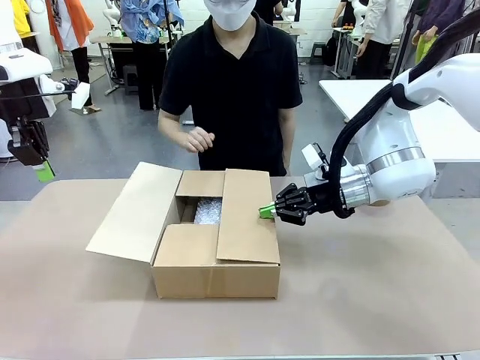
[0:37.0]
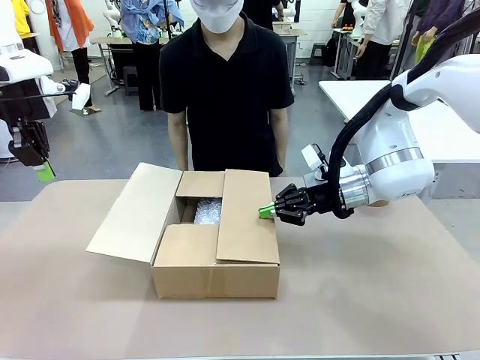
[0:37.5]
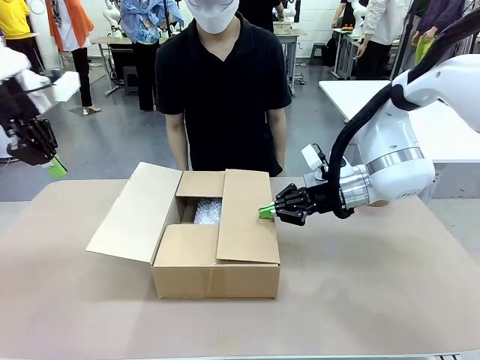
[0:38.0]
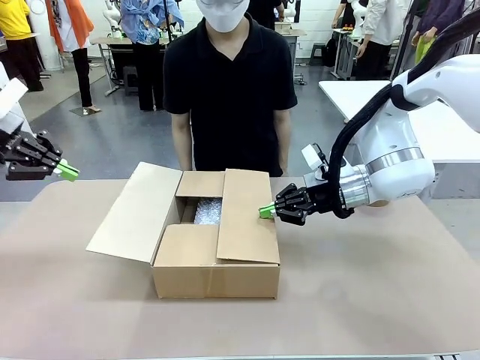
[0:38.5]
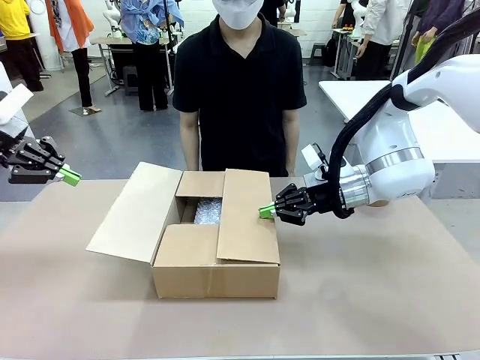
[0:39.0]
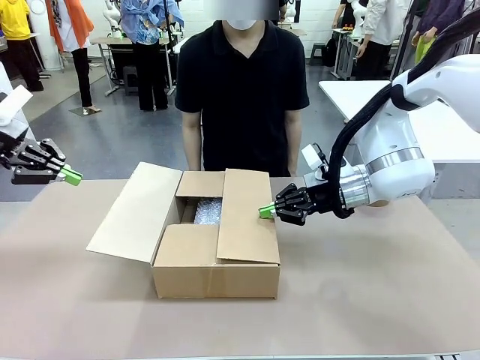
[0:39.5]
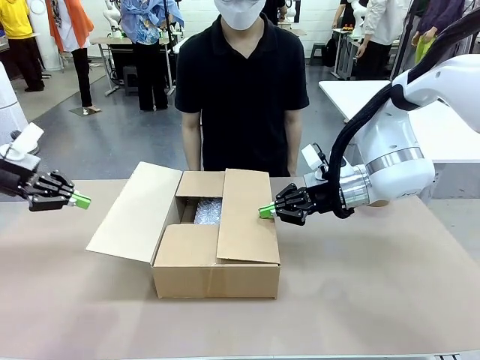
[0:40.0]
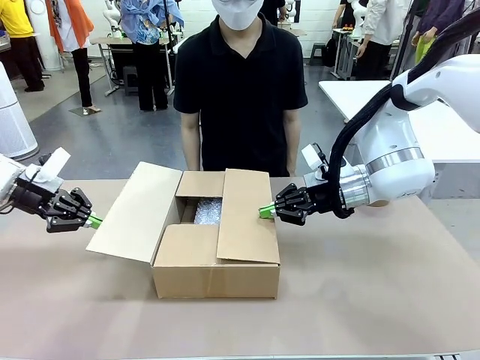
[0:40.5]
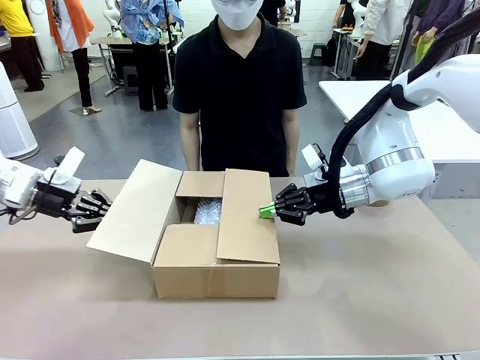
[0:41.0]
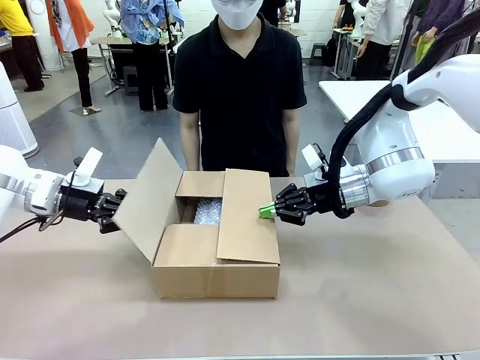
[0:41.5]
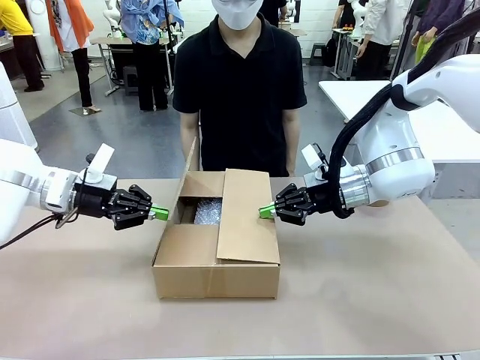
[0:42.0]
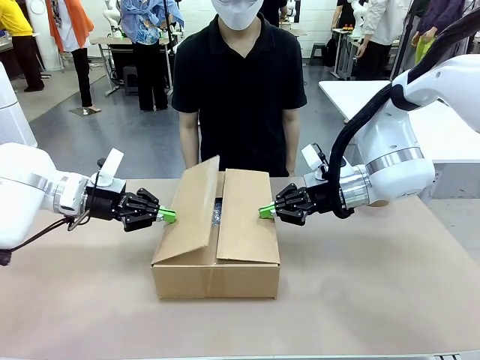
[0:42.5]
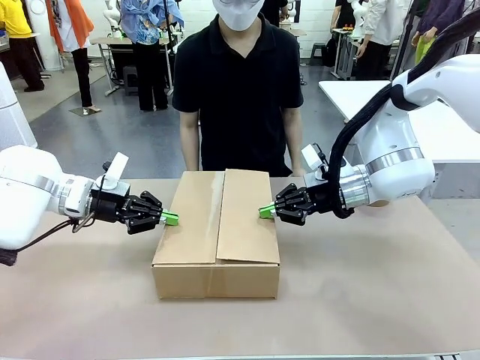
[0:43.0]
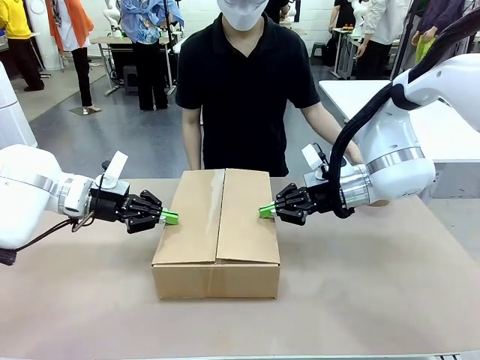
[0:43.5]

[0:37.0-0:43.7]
Task: Wrap the clocks to prevent damage.
Robot: Push the left (or right) flap of the Package Box to close it.

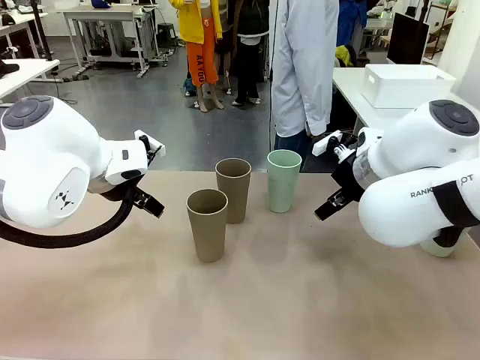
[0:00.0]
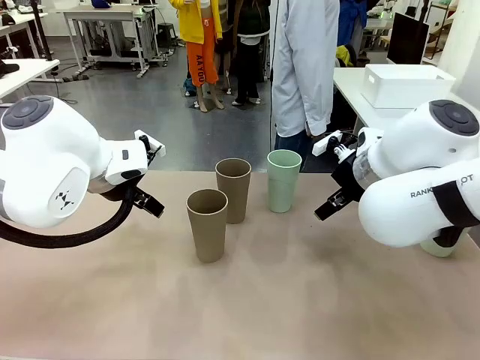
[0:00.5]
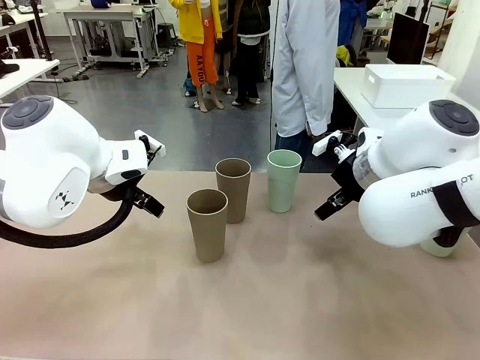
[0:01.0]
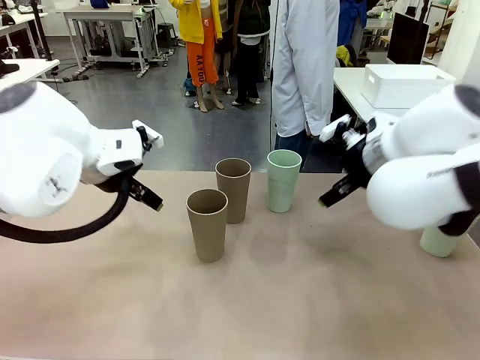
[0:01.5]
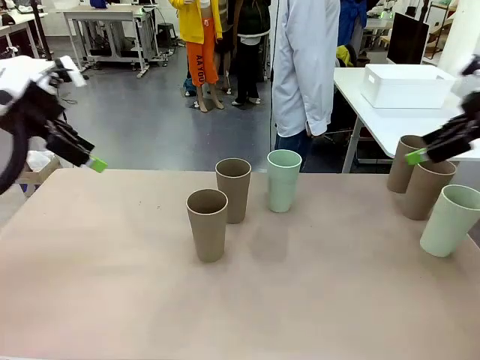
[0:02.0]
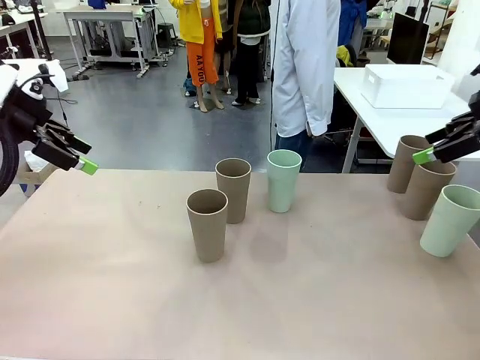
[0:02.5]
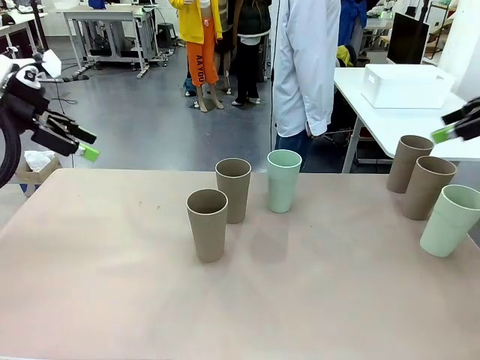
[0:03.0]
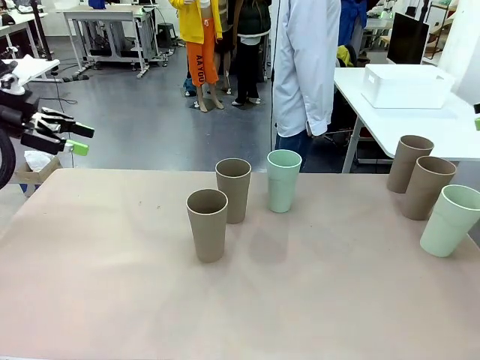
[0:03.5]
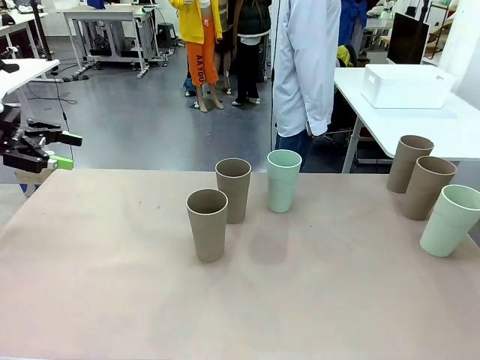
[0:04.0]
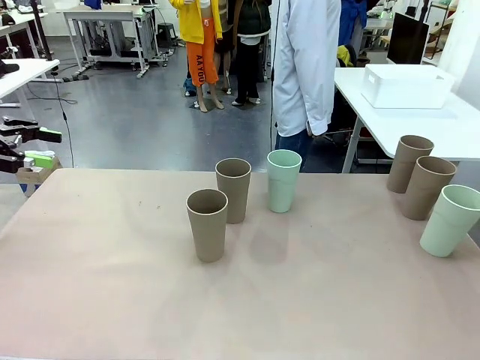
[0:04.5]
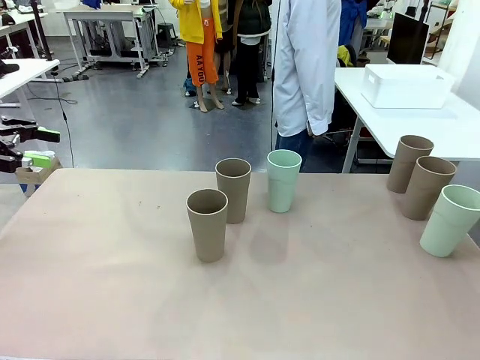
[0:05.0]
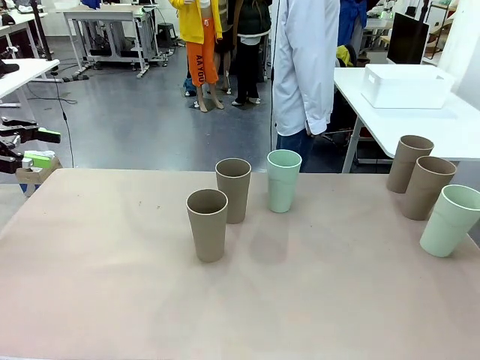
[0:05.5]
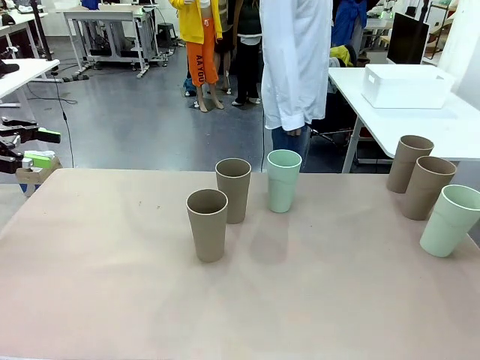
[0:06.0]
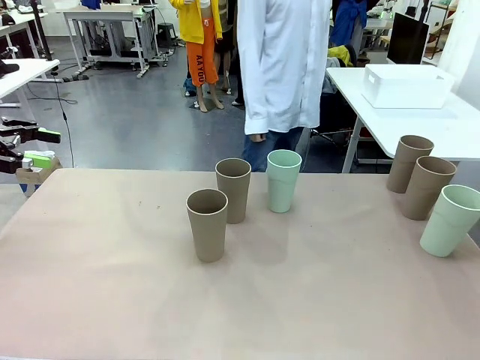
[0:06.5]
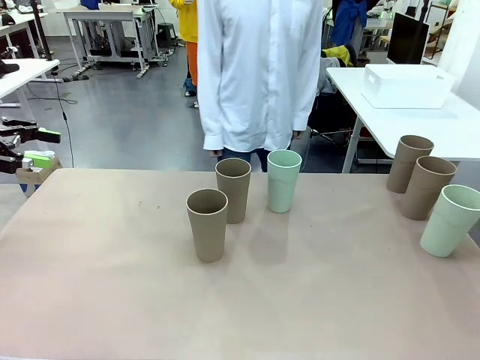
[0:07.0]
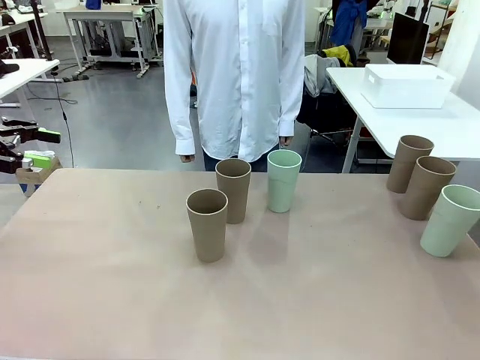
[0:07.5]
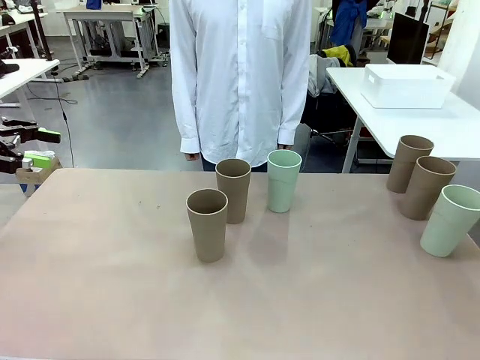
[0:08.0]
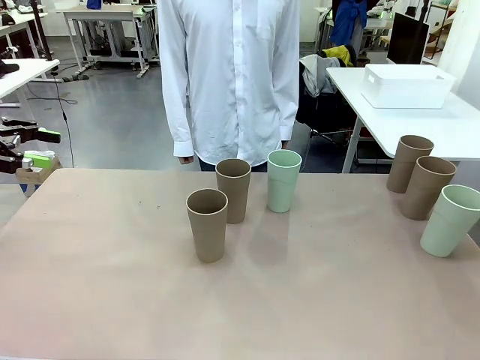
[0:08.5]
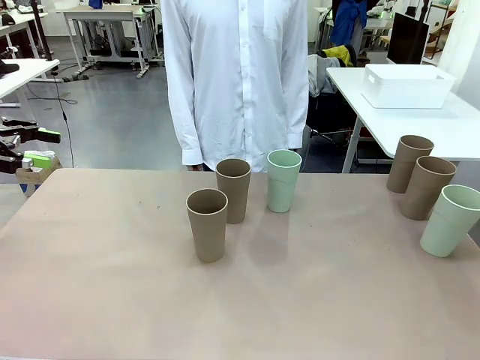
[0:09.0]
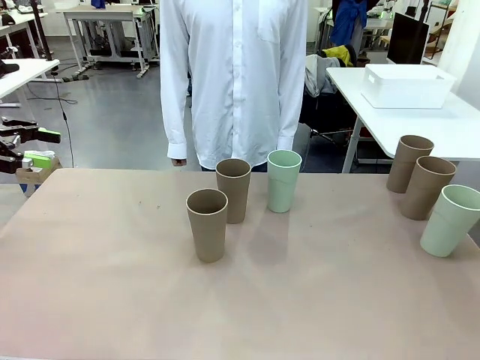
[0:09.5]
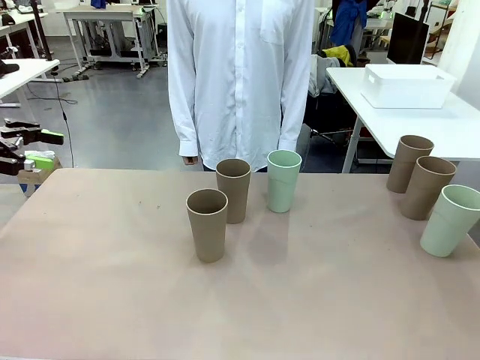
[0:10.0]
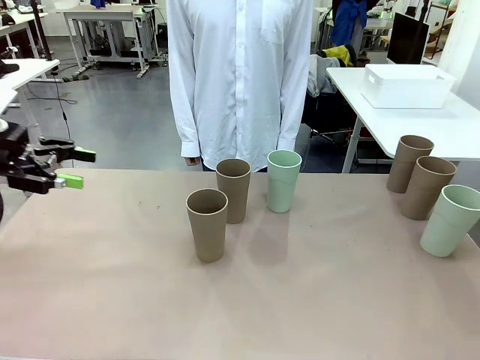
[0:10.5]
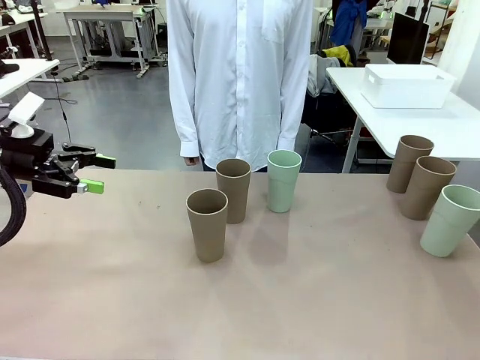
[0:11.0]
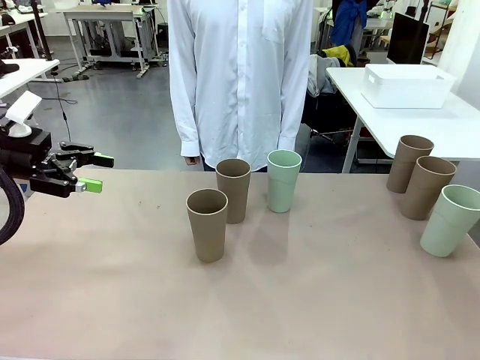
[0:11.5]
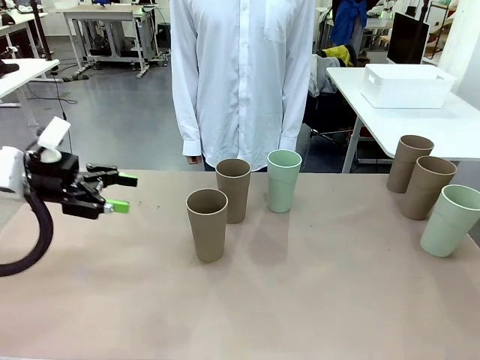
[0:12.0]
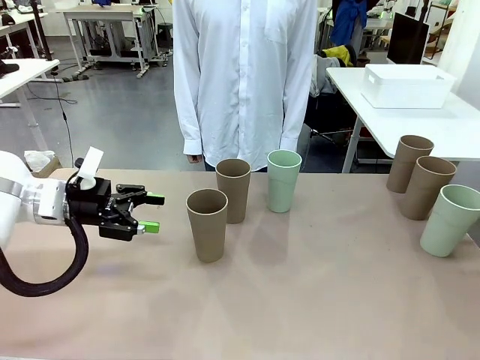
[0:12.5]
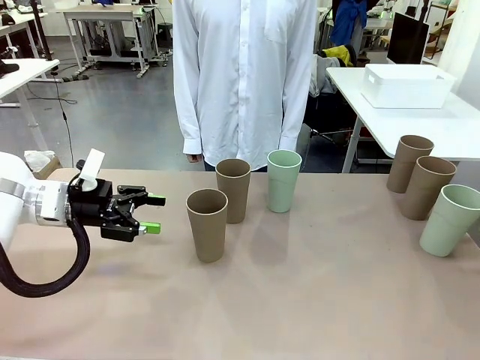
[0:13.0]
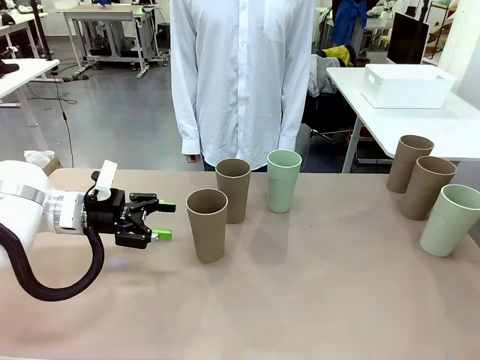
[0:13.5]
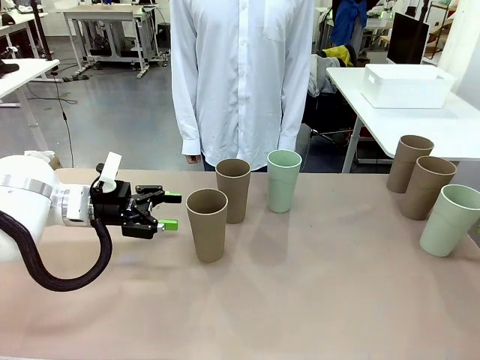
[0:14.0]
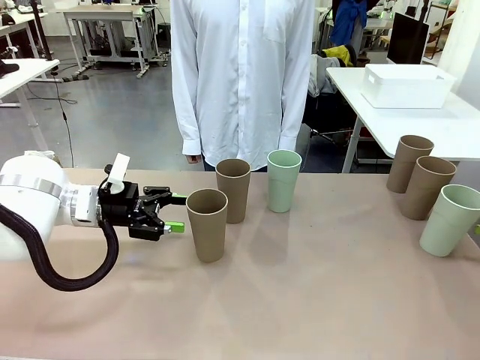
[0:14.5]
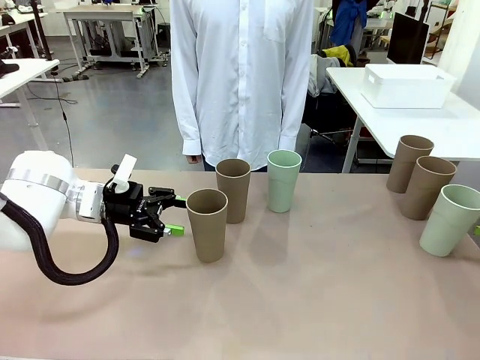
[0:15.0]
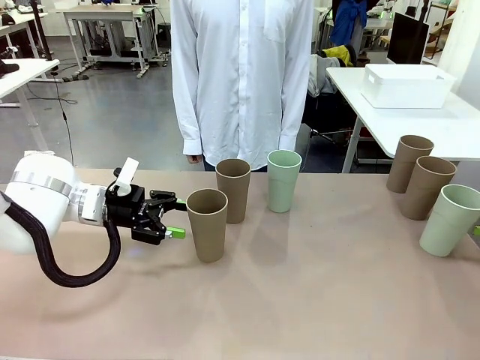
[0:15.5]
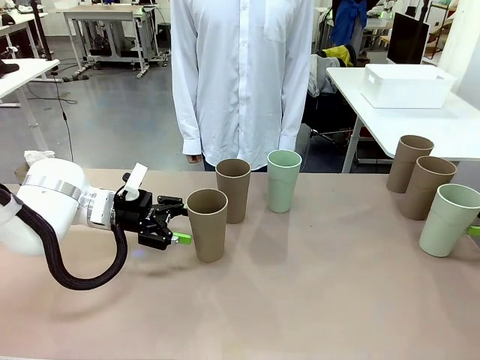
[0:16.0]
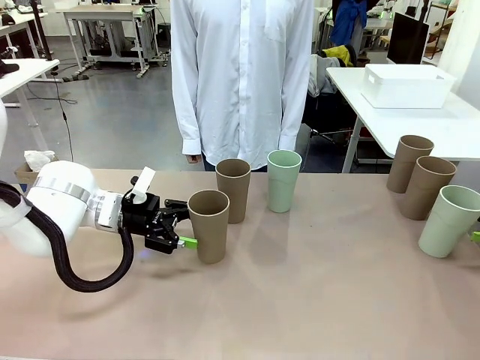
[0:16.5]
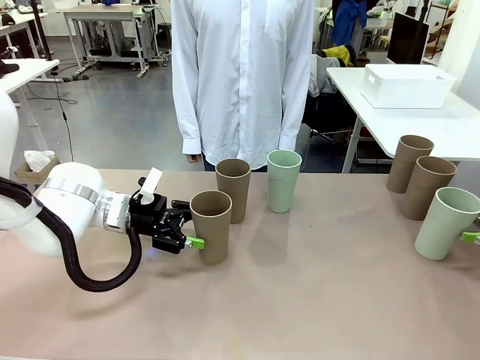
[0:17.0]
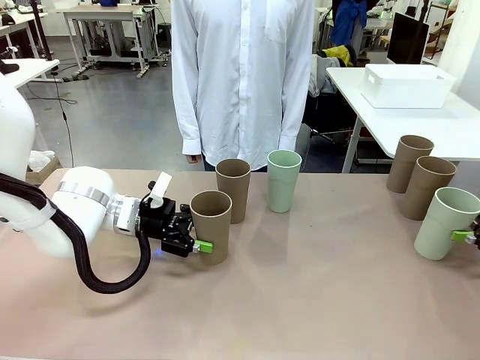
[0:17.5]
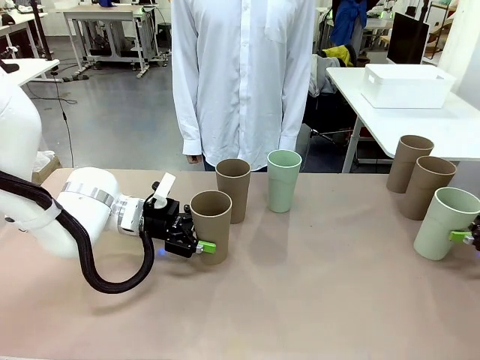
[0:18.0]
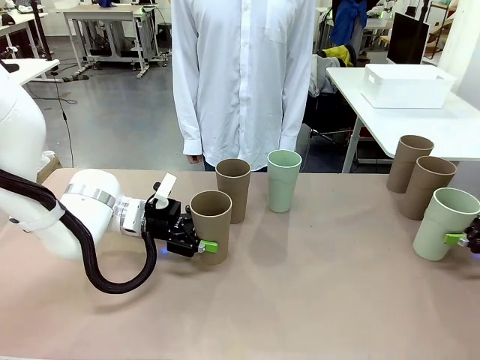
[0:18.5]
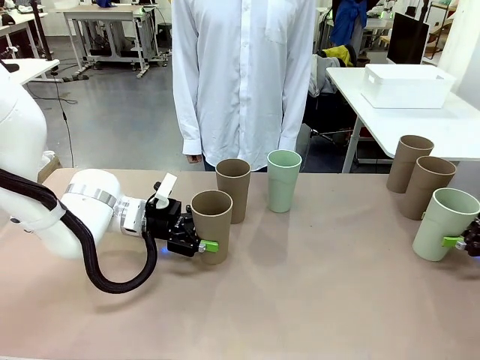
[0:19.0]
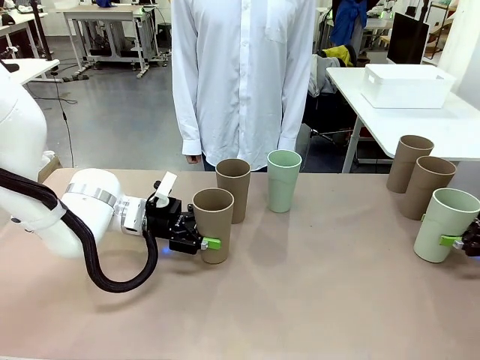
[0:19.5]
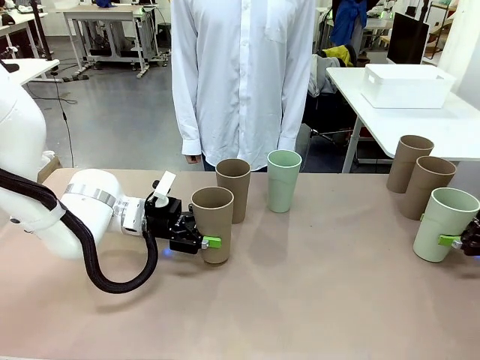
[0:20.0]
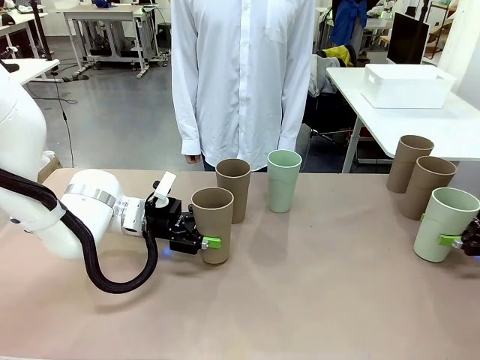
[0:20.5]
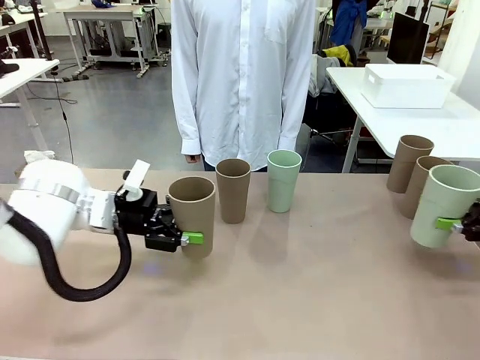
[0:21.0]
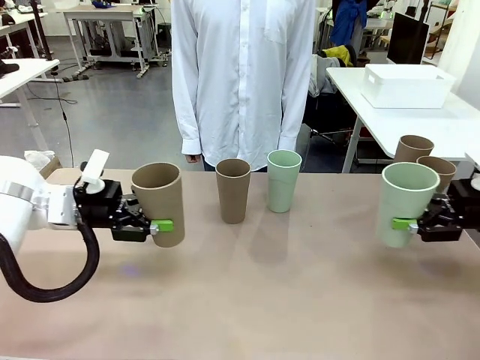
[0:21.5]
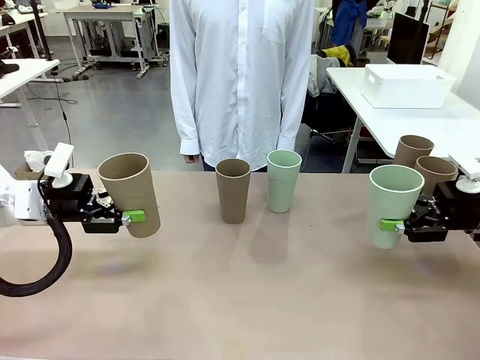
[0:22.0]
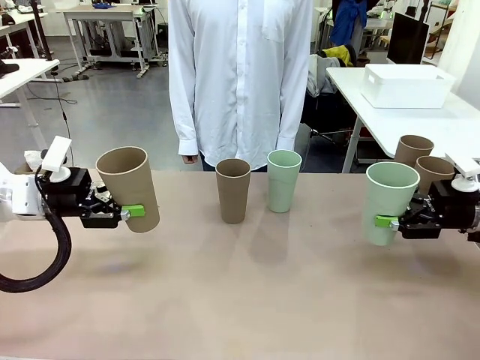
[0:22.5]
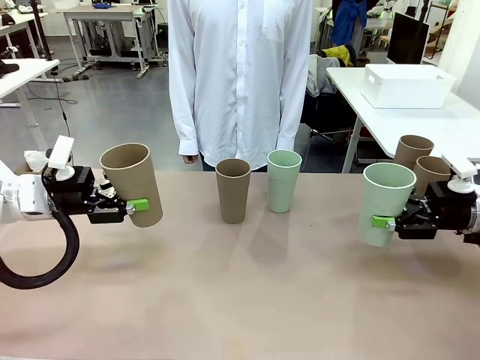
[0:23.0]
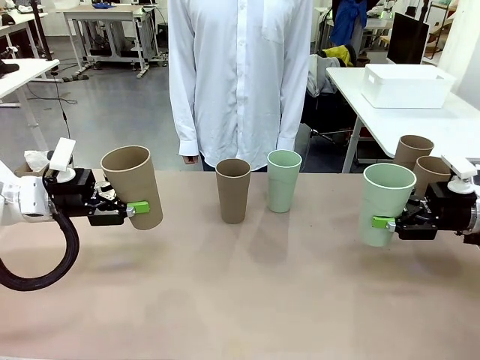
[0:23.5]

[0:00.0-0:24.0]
Task: Stack the cups and store them in the basket.
Robot: Pick up two Reusable plastic cups , one in each hand.
Person: Move from the Human Table to the front of the Robot Table. Stack two of the remaining cups on top of each cup held by the robot.
